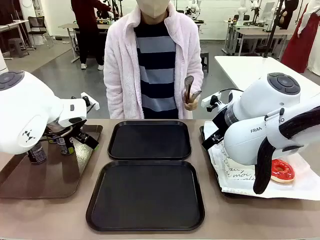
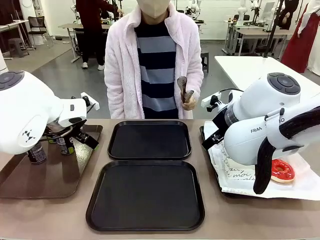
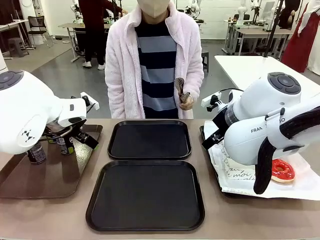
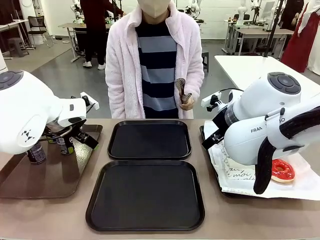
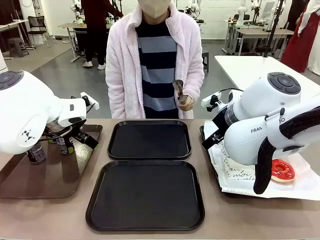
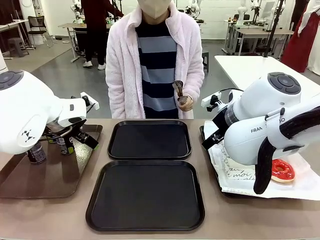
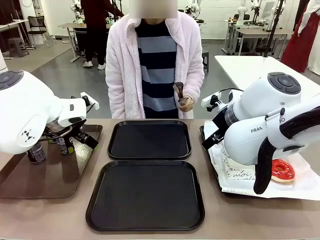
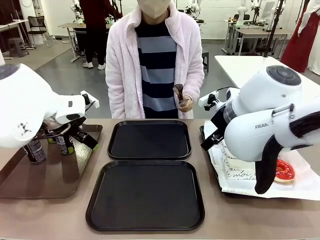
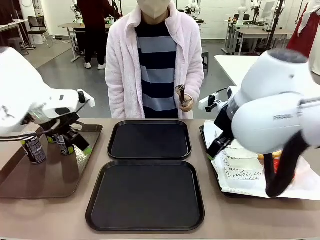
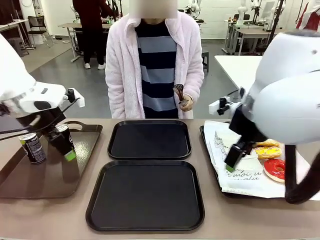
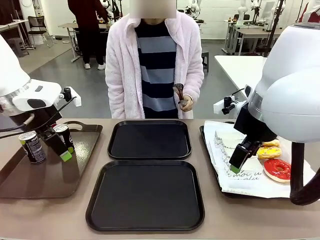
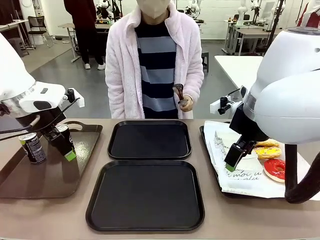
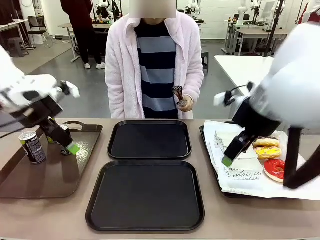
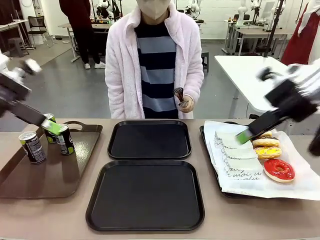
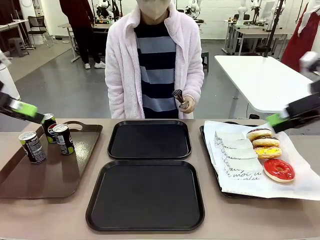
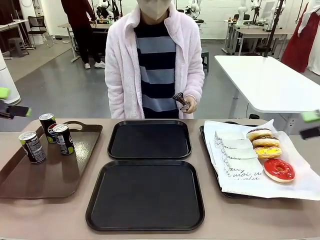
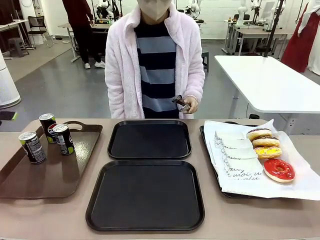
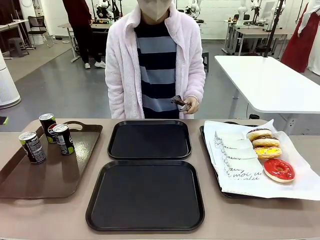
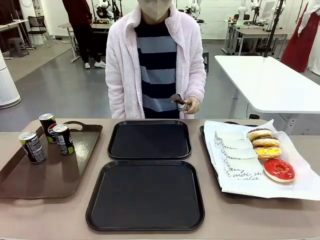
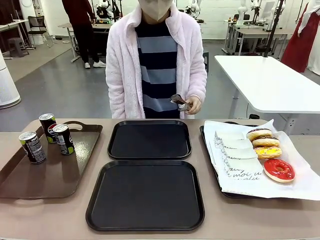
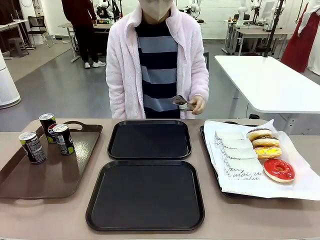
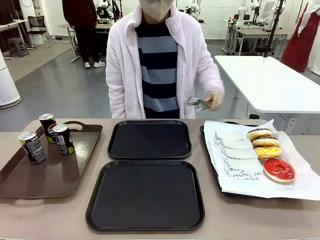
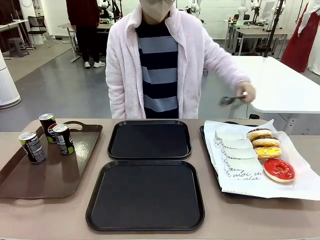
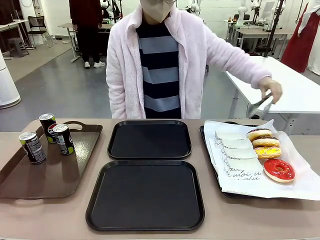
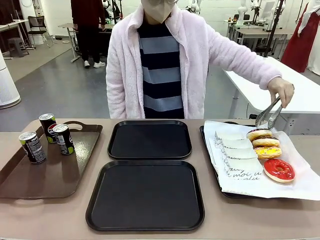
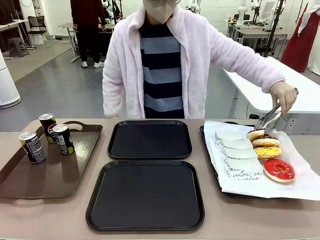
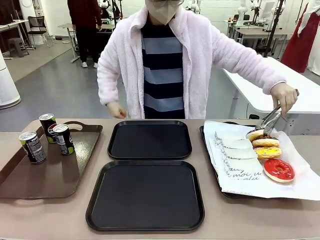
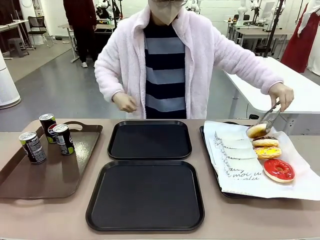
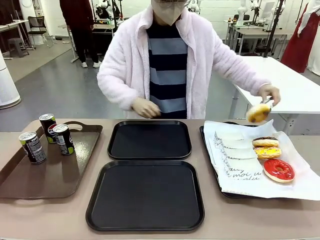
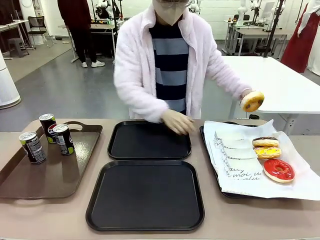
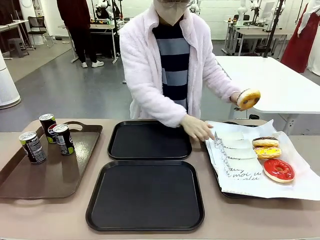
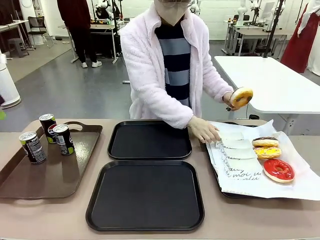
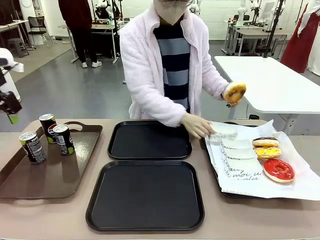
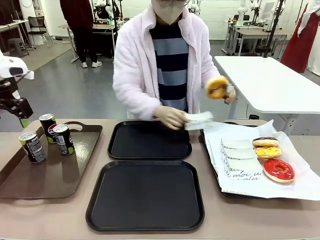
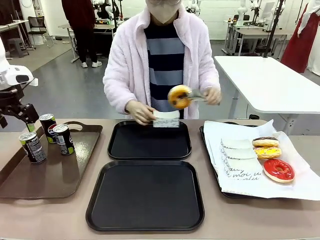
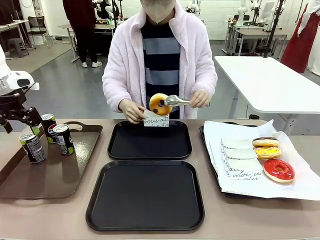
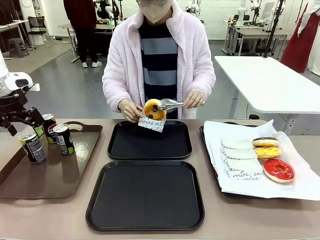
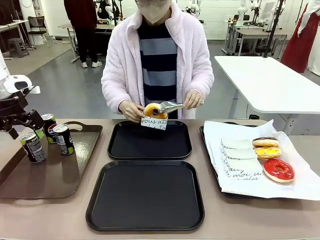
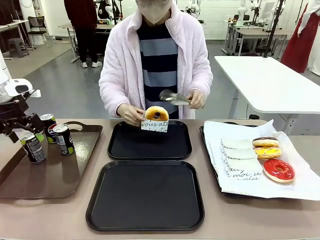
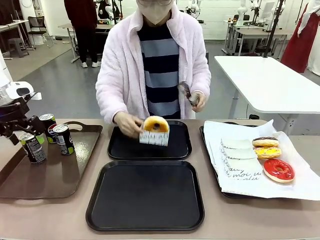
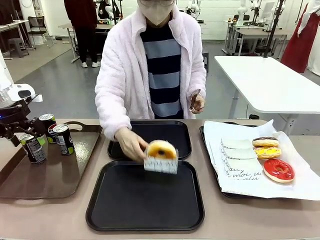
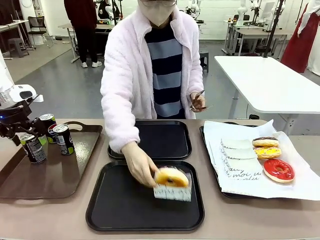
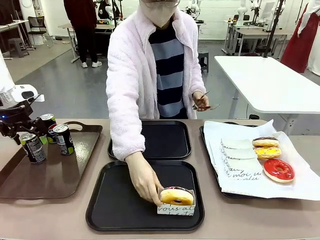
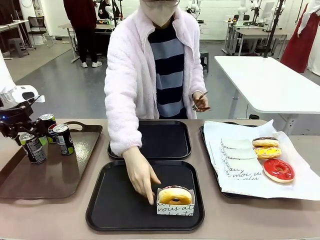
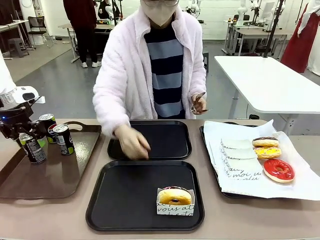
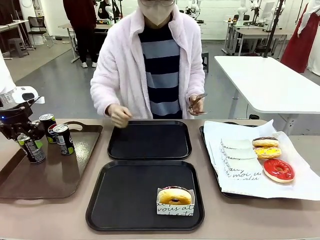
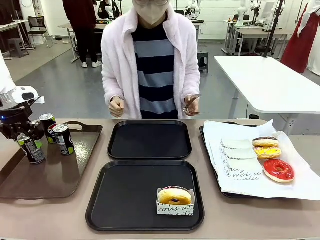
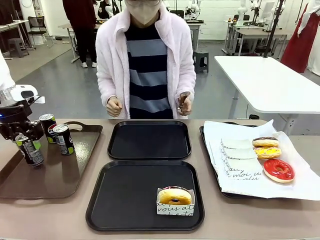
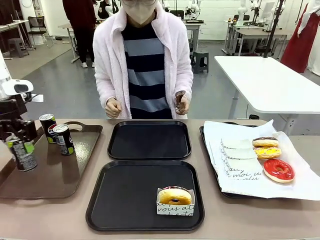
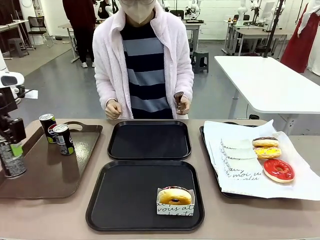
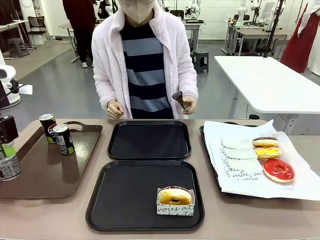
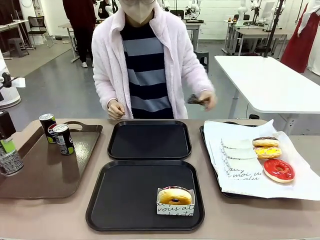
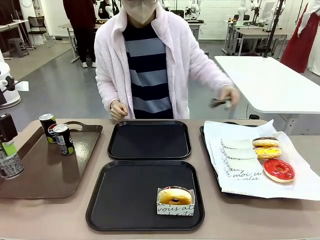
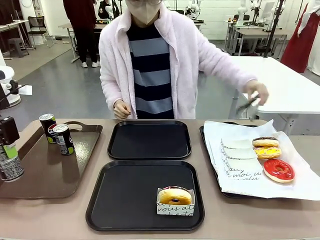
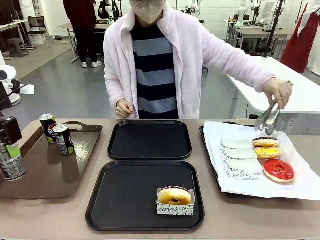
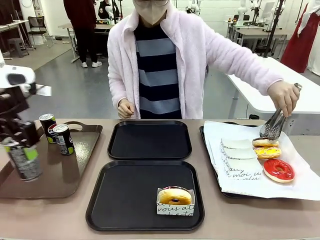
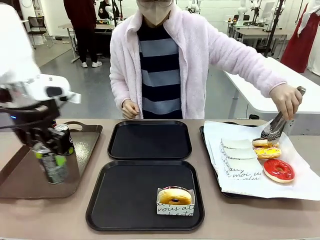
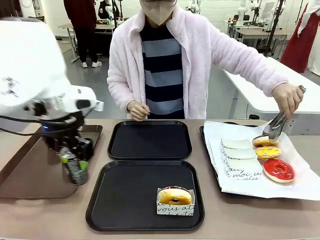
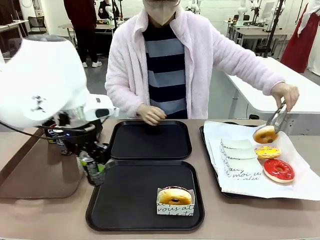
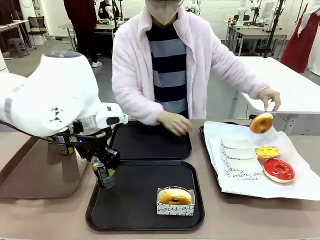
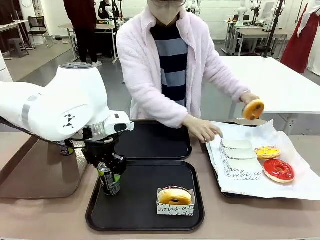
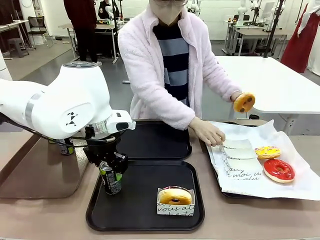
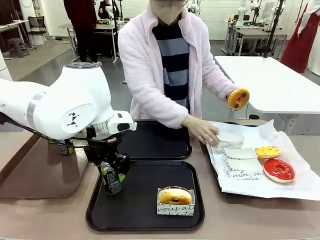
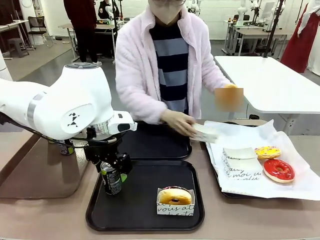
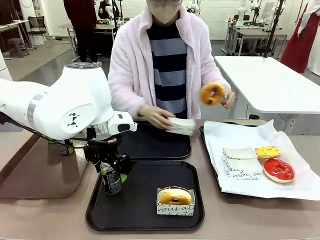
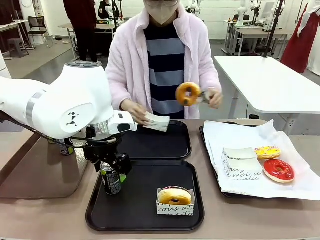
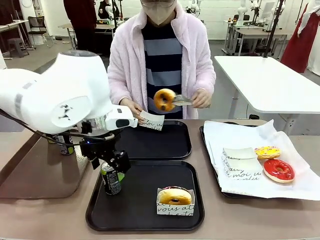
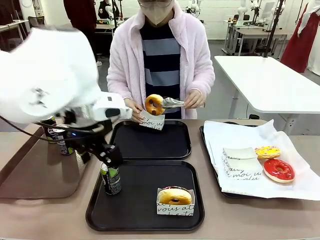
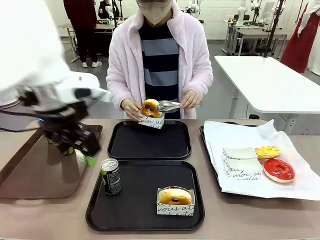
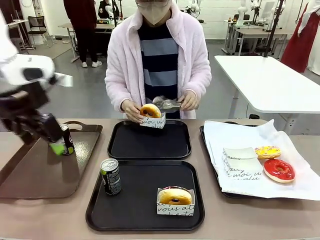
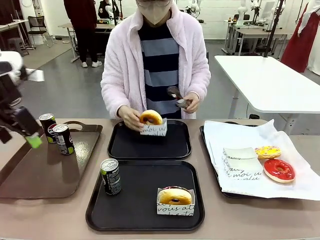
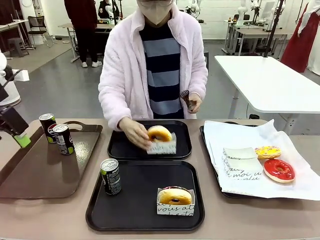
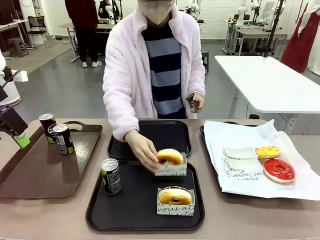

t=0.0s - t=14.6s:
Task: Set up donuts and drinks on trays.
Robot: Pick up one Pepsi coke and place it on the Flat Tray.
